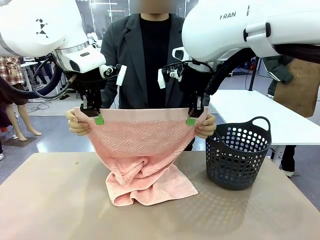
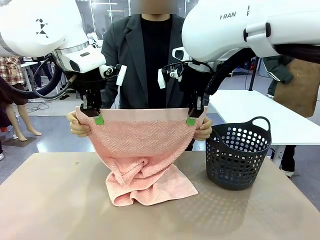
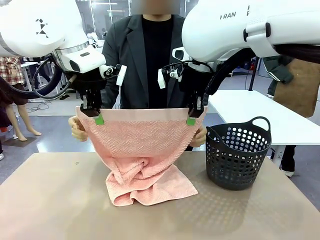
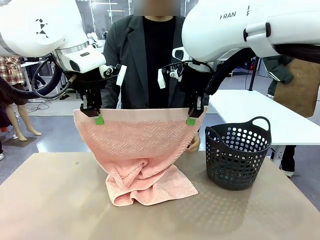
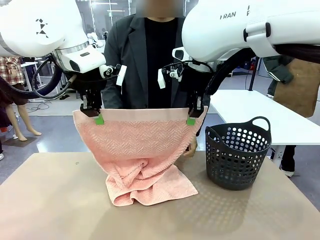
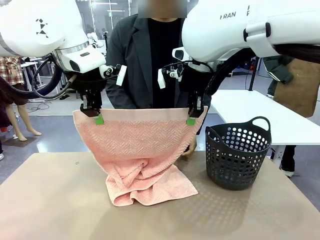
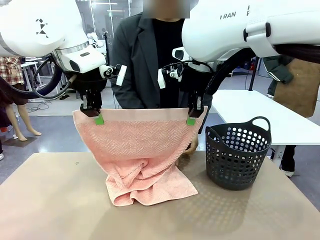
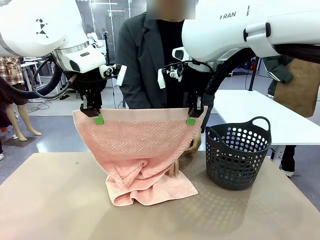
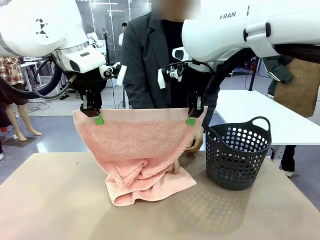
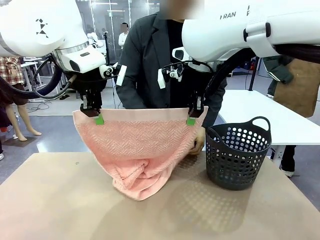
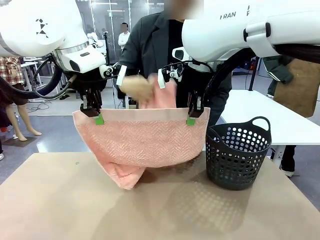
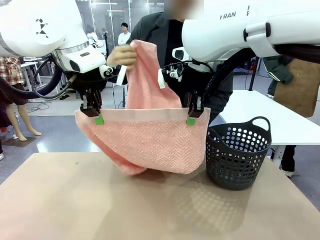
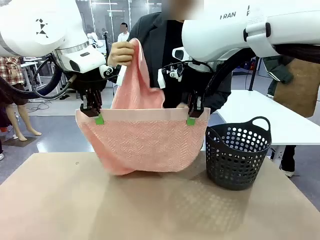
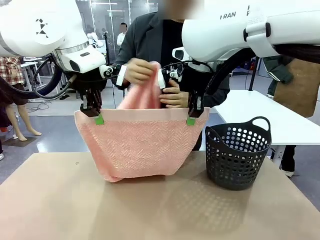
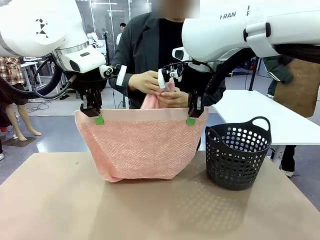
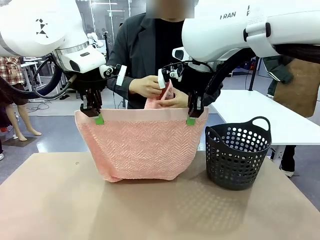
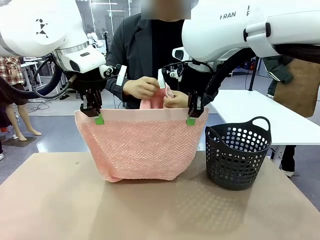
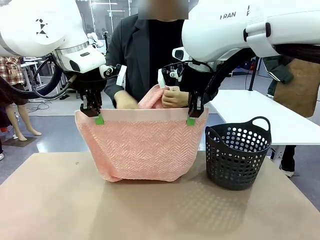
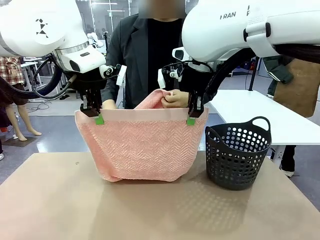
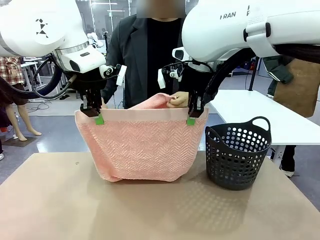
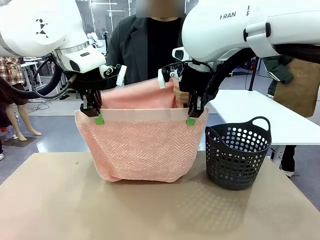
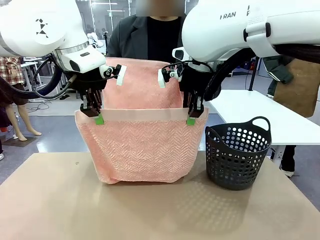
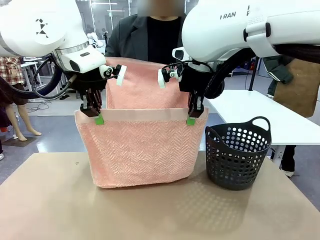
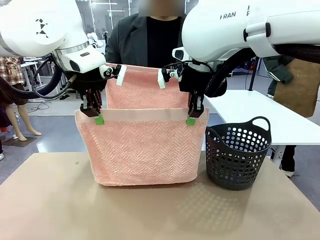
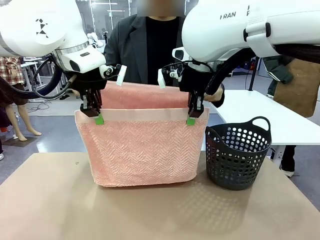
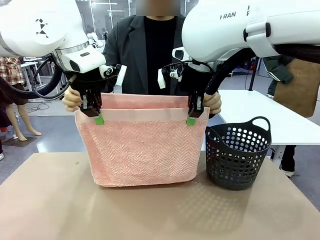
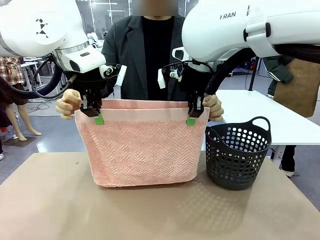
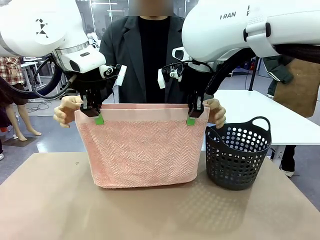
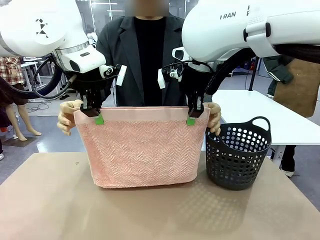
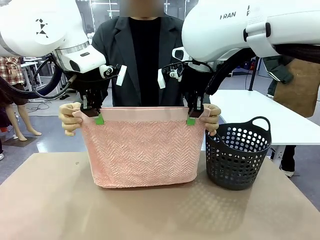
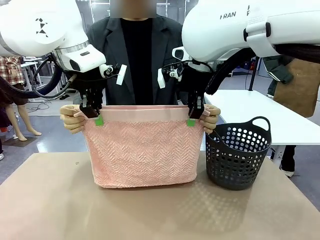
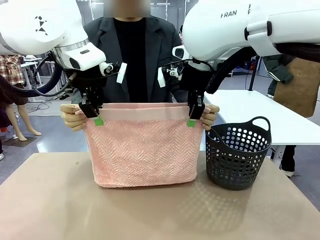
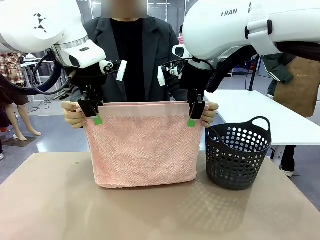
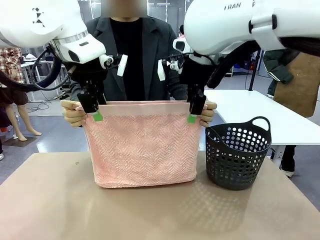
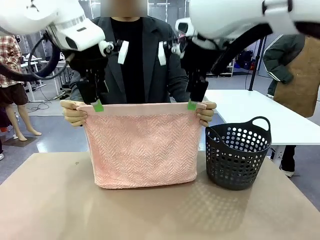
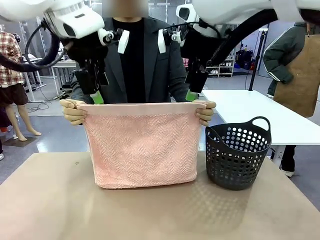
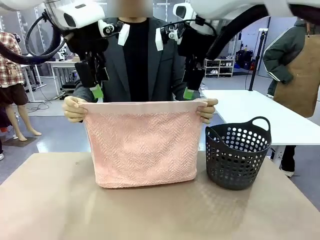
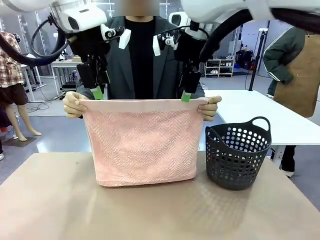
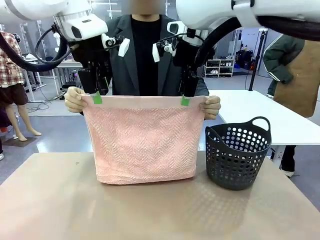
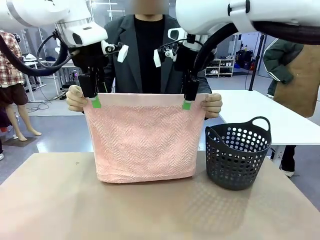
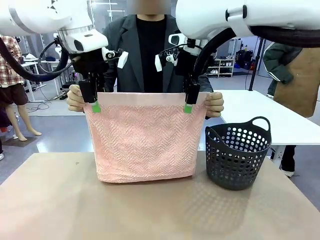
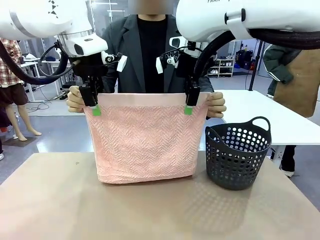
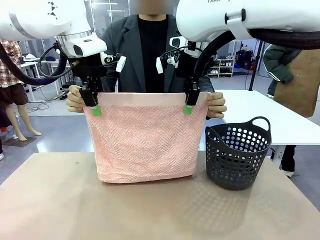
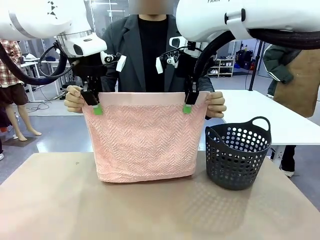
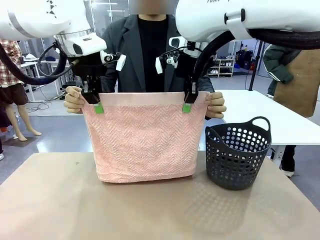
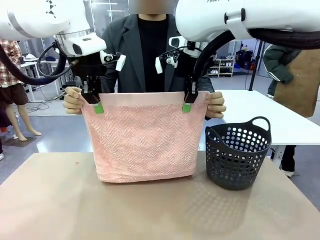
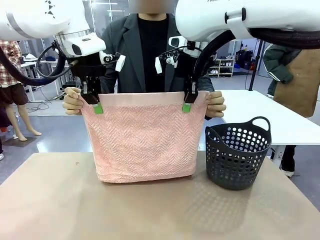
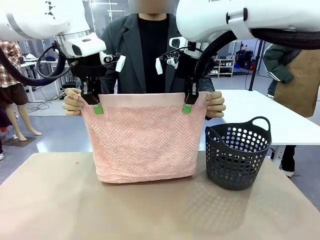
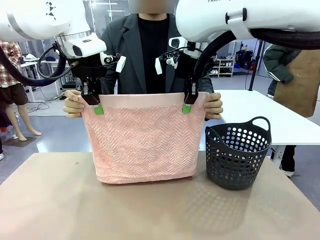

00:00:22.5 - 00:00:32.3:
Task: Fold the towel.
Robot: Release the end of the 100 cm Hotel Towel you were holding and grab the top end of the folded side.

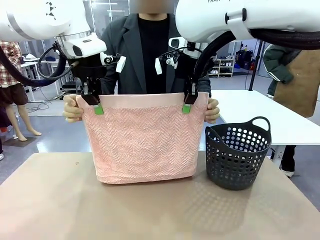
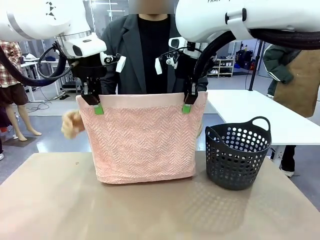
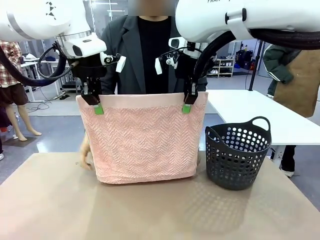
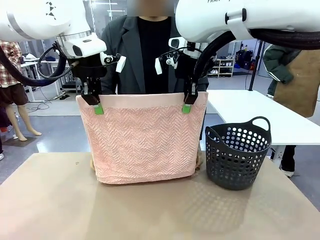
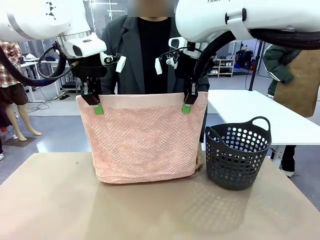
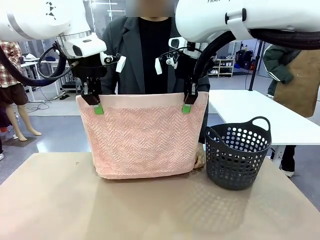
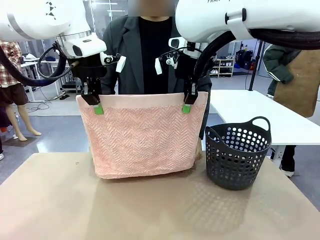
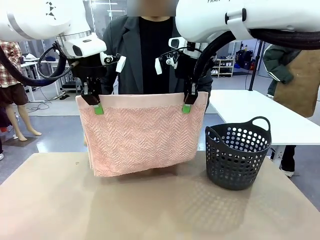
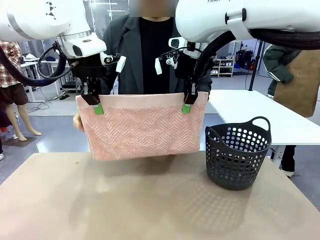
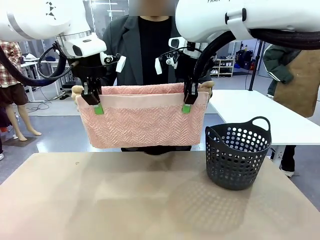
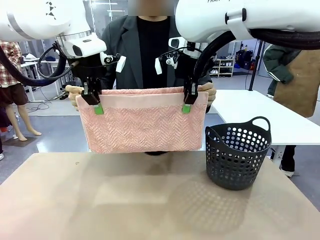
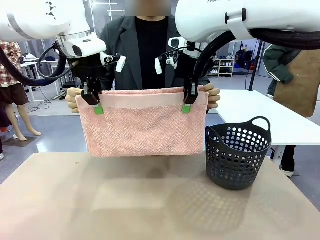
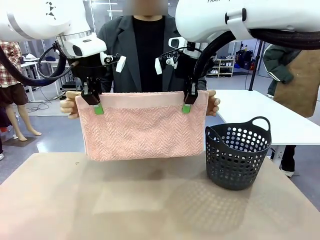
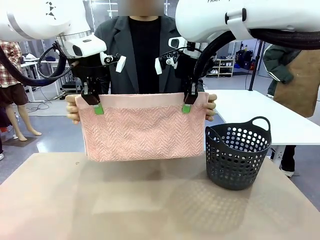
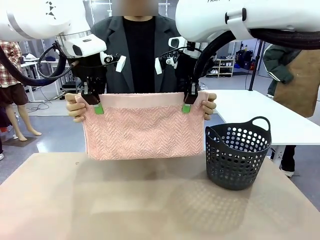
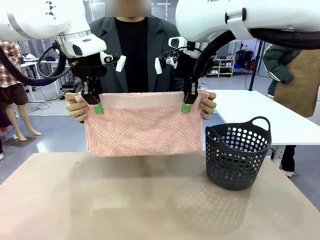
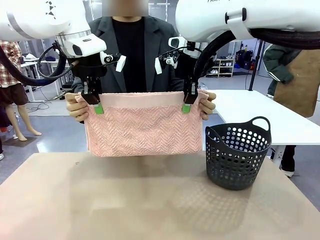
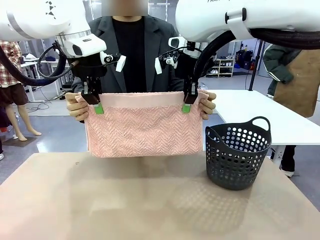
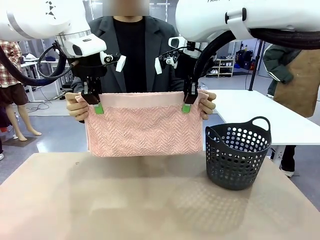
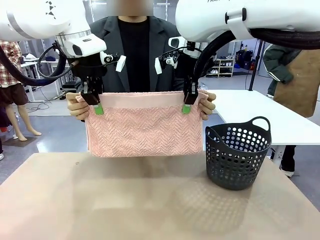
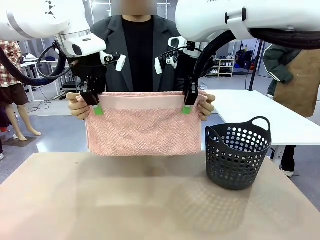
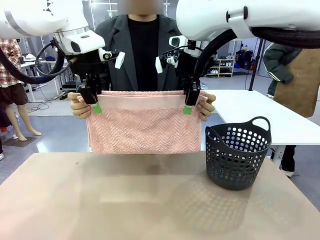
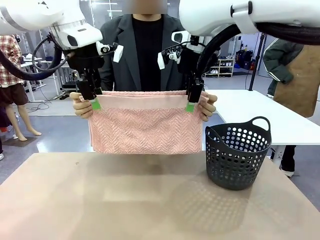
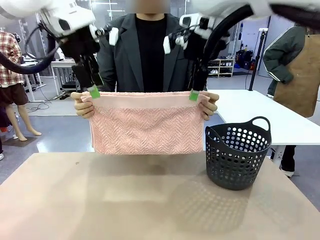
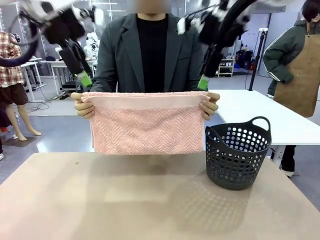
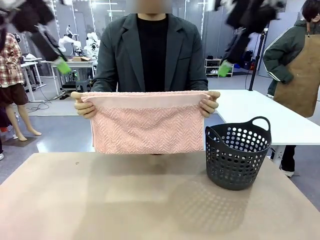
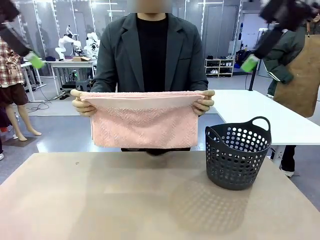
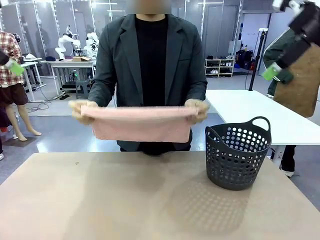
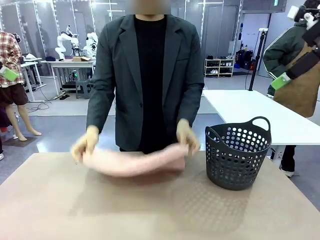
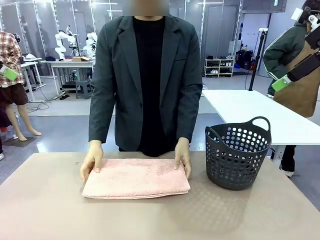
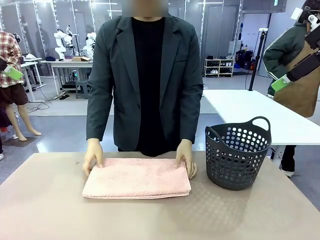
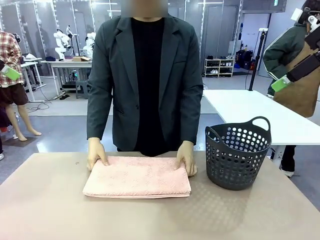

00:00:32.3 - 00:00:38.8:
Robot: Release the end of the 100 cm Hotel Towel you were holding.
Person: Place the towel at the center of the robot table and fold it in half.
